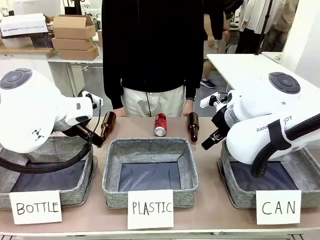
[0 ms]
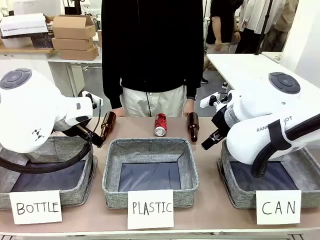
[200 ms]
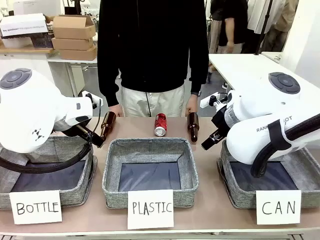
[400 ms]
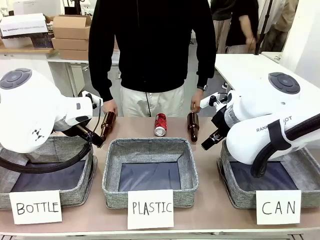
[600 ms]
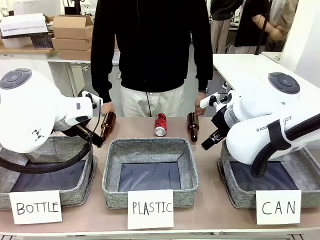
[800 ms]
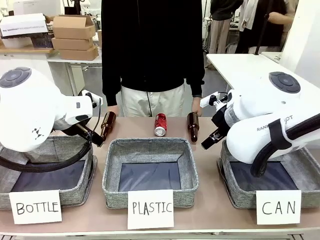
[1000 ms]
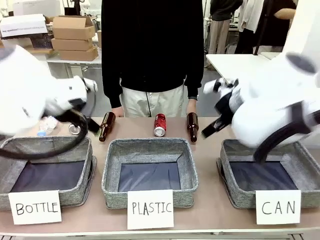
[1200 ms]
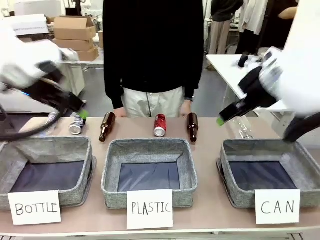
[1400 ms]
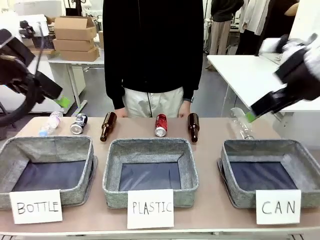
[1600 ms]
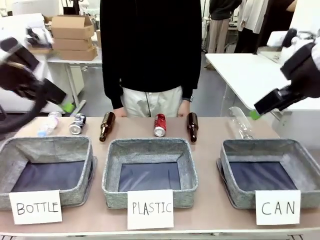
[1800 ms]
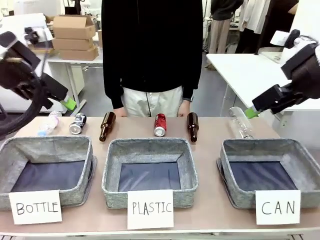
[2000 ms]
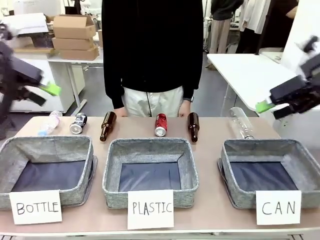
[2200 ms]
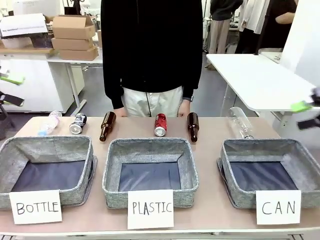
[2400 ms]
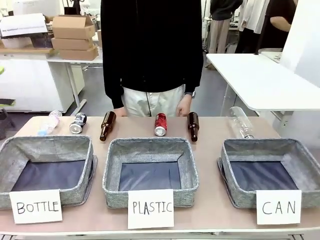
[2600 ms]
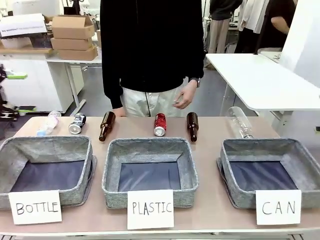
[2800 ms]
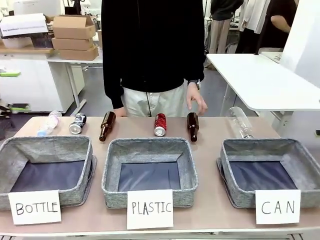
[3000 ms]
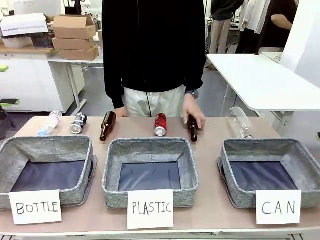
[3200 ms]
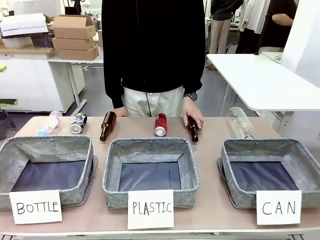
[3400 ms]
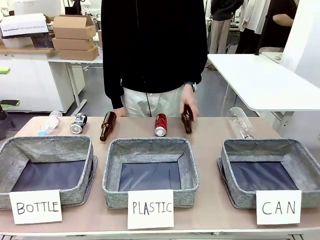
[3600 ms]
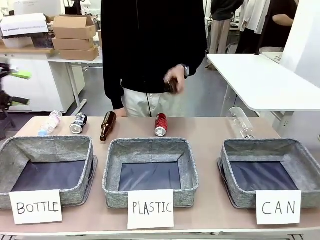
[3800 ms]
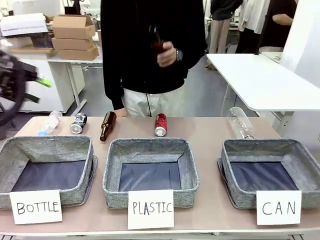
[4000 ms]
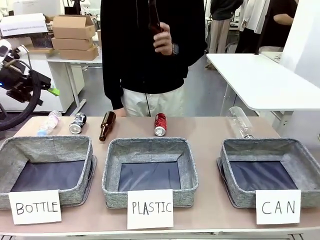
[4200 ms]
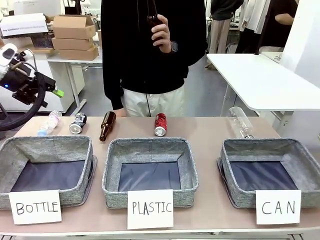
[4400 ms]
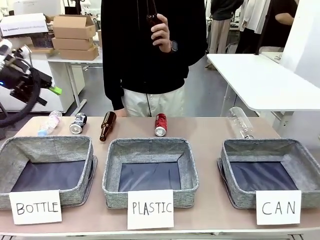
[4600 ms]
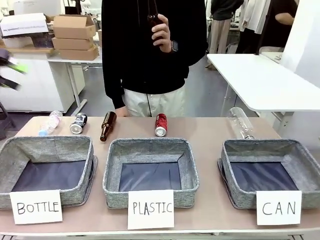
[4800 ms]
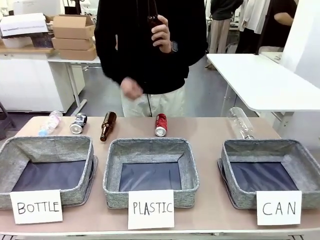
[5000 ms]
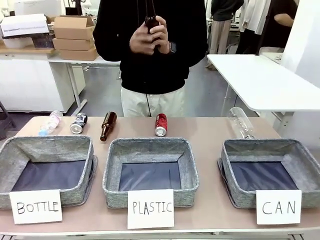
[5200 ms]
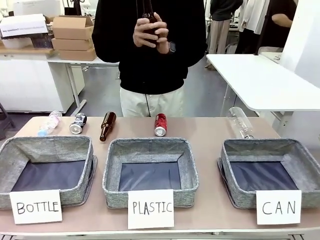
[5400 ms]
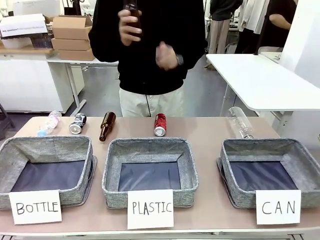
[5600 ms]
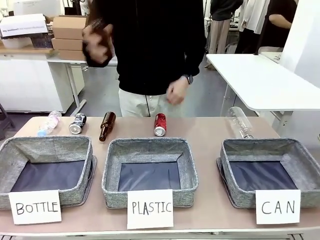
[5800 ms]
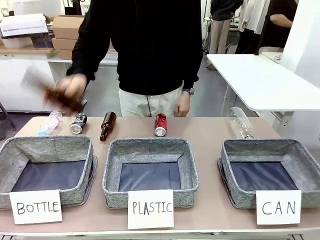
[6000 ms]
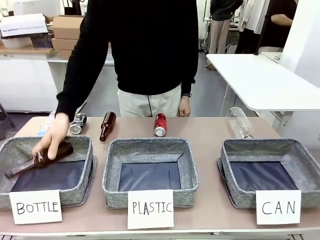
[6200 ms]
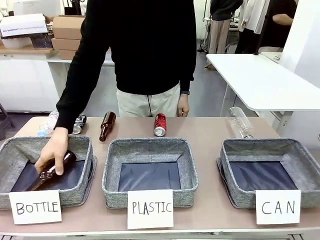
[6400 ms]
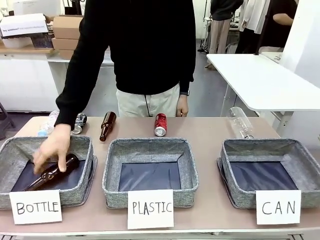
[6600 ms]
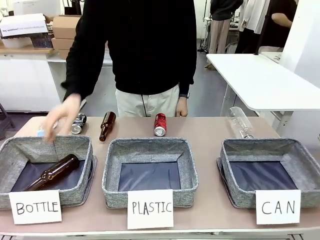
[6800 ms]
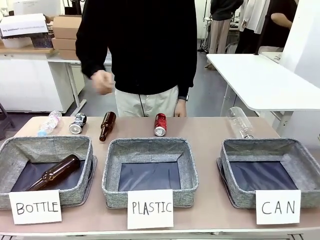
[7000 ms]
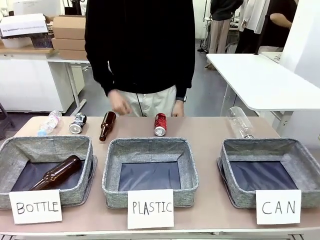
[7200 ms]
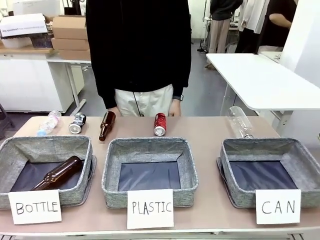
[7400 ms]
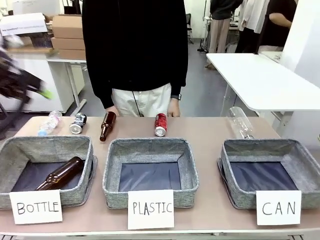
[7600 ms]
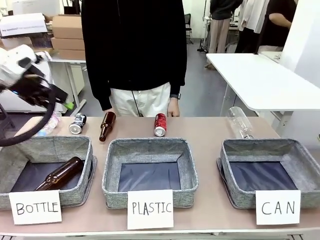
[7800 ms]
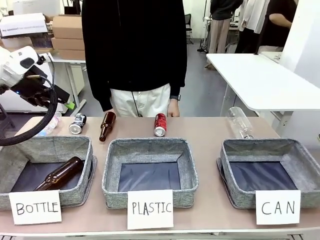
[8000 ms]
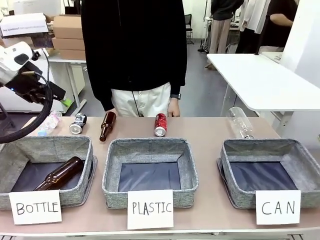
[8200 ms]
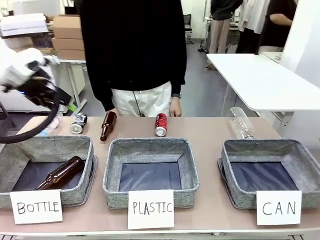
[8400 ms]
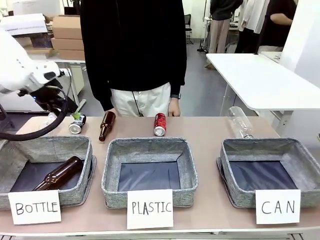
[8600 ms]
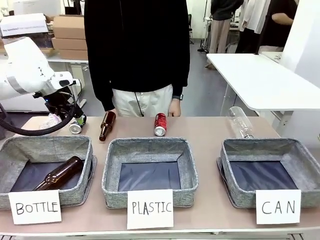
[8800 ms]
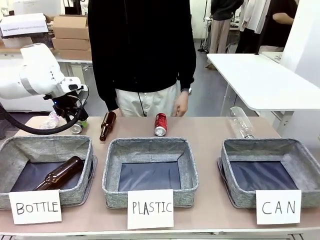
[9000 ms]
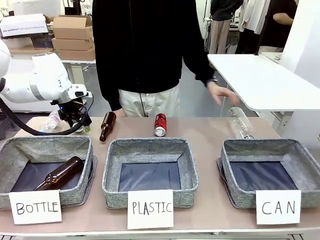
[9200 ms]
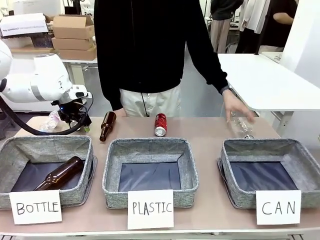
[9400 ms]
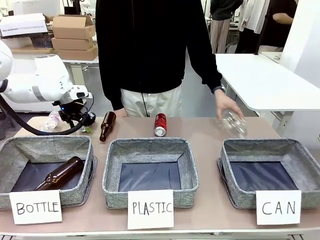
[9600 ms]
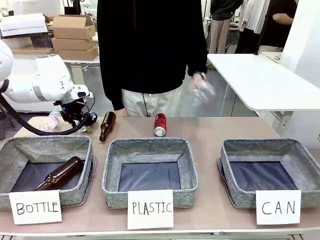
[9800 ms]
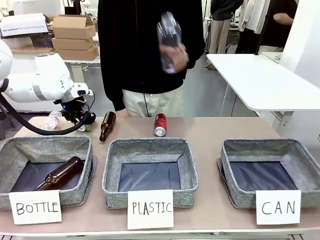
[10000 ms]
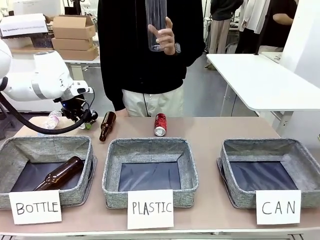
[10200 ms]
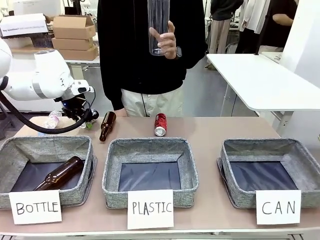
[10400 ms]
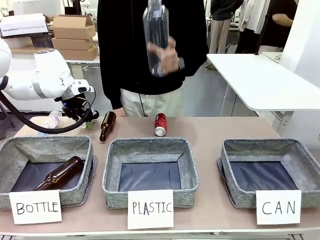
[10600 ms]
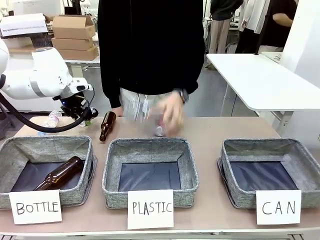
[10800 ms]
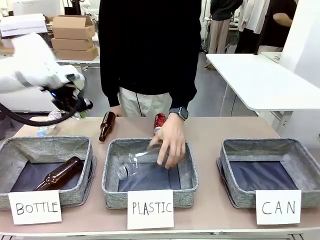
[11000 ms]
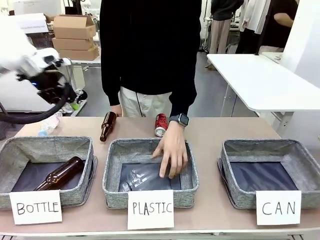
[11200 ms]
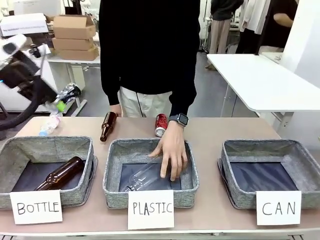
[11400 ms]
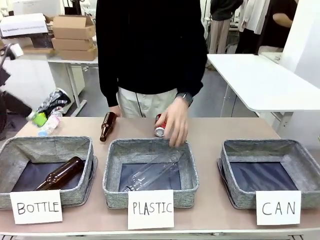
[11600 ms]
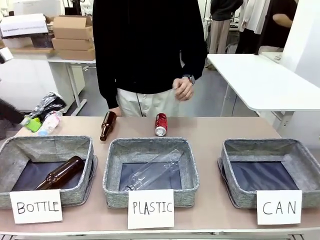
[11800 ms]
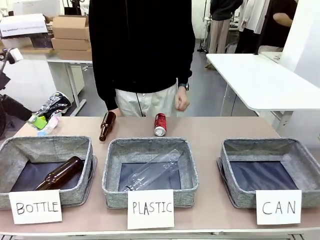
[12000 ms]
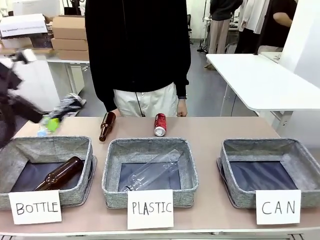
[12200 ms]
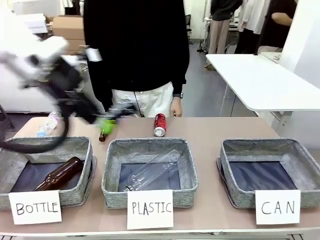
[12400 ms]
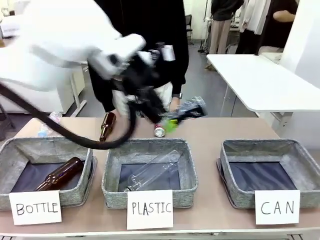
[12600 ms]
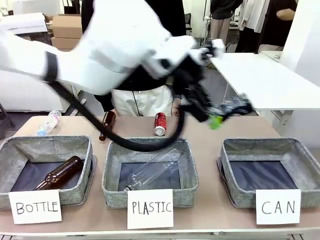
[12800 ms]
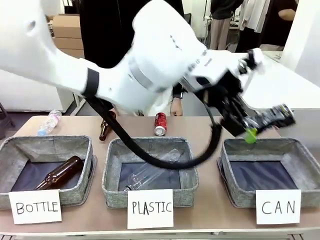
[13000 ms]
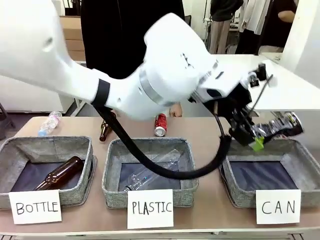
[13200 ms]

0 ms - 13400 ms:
Task: Sort the can waste into the basket.
Robot: Pick up the can waste from the table and place it in the right Fabric basket.
